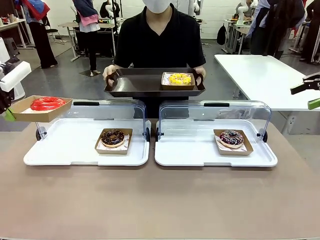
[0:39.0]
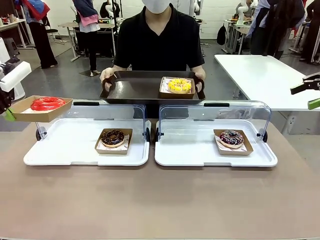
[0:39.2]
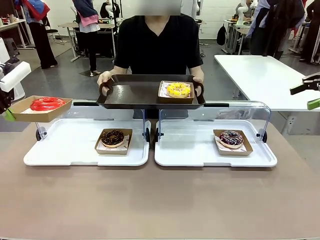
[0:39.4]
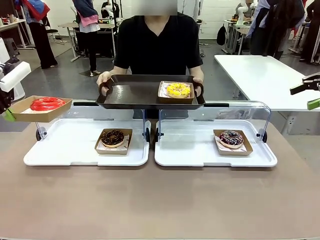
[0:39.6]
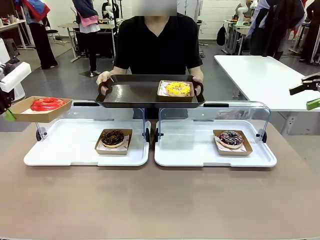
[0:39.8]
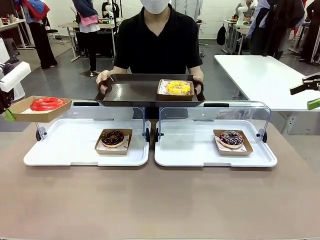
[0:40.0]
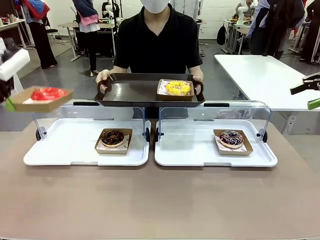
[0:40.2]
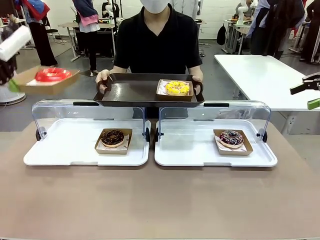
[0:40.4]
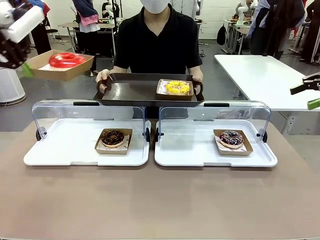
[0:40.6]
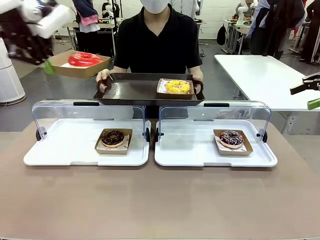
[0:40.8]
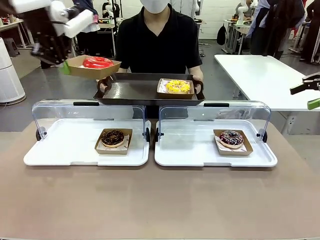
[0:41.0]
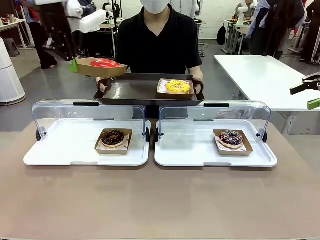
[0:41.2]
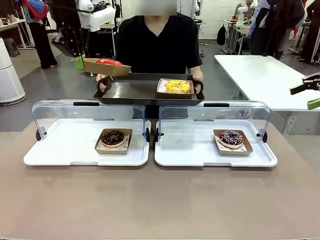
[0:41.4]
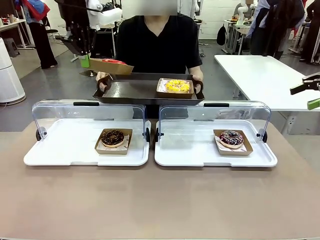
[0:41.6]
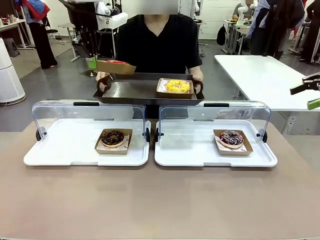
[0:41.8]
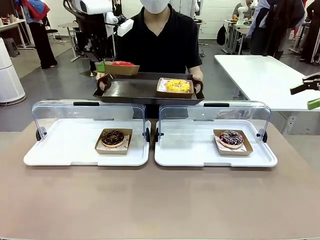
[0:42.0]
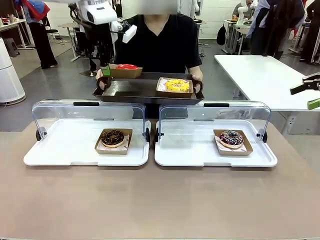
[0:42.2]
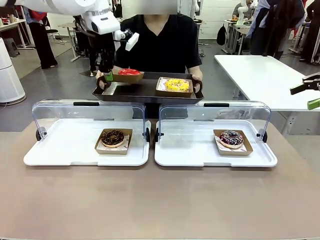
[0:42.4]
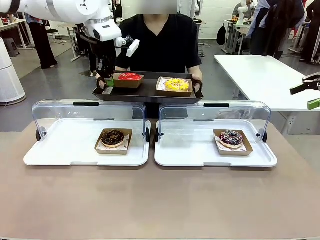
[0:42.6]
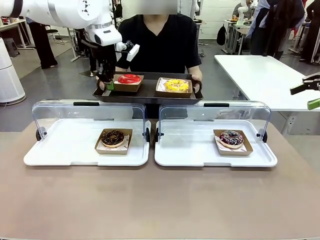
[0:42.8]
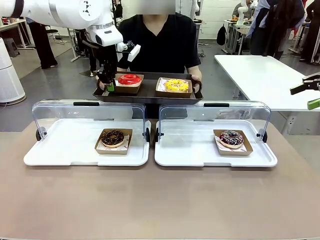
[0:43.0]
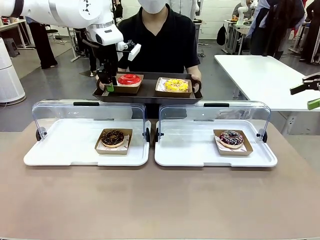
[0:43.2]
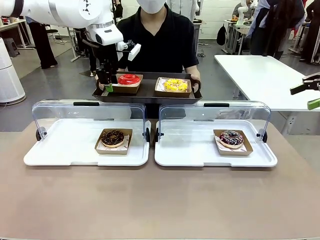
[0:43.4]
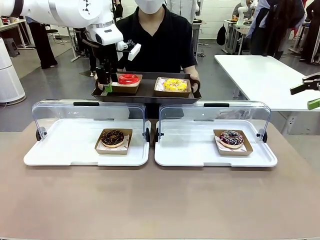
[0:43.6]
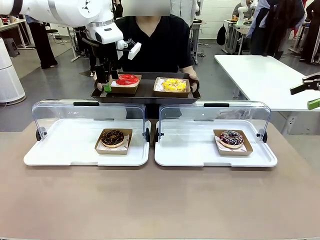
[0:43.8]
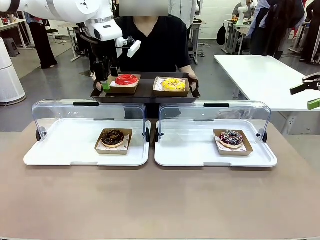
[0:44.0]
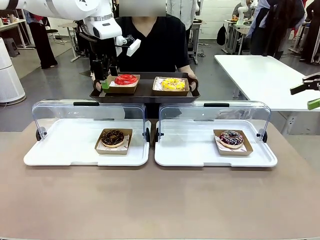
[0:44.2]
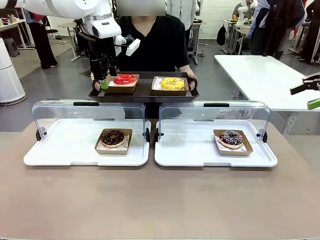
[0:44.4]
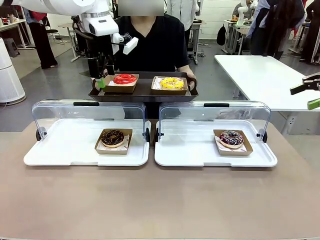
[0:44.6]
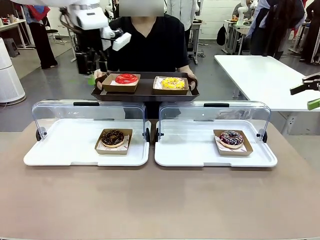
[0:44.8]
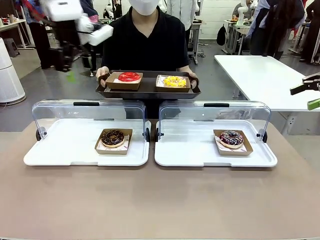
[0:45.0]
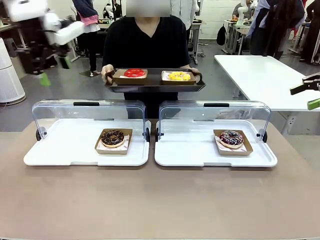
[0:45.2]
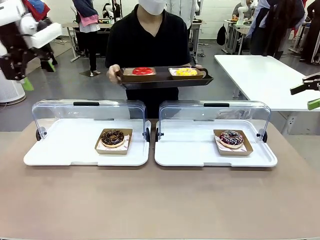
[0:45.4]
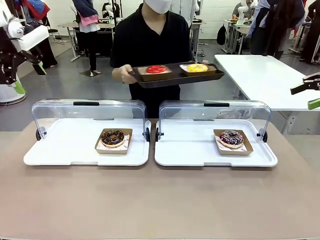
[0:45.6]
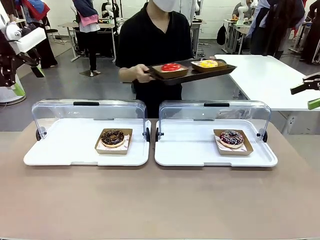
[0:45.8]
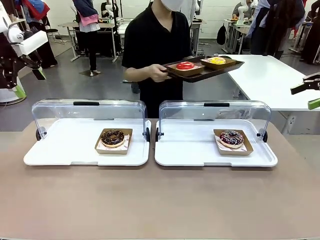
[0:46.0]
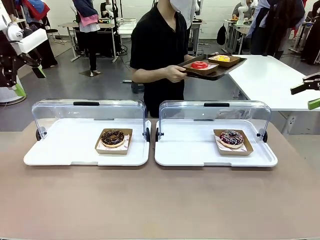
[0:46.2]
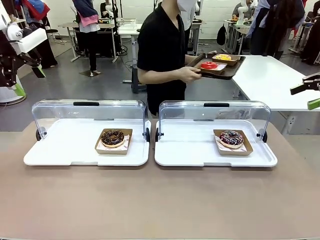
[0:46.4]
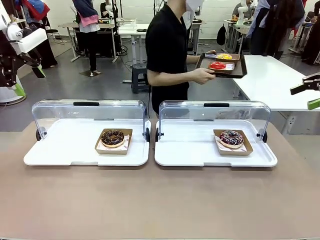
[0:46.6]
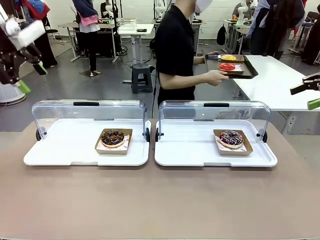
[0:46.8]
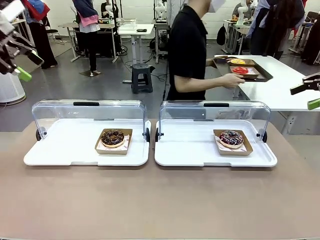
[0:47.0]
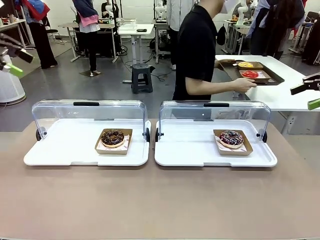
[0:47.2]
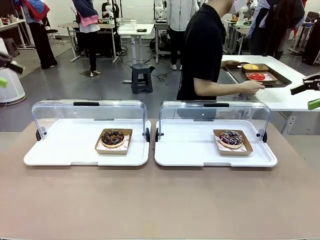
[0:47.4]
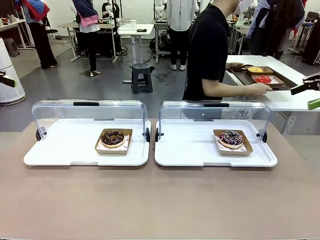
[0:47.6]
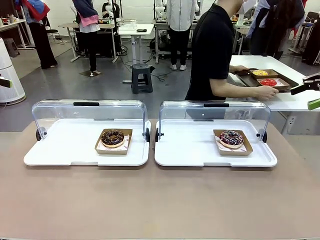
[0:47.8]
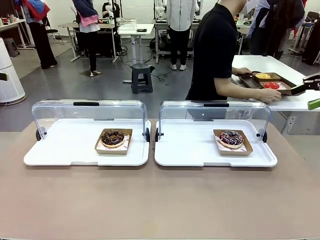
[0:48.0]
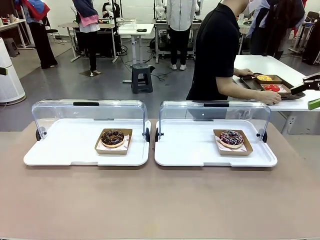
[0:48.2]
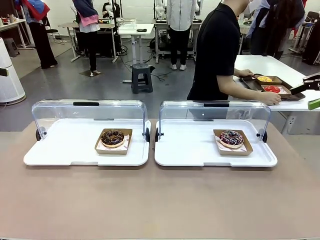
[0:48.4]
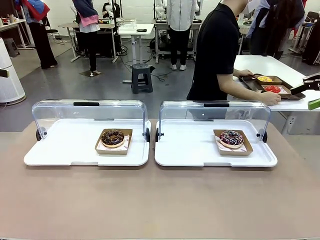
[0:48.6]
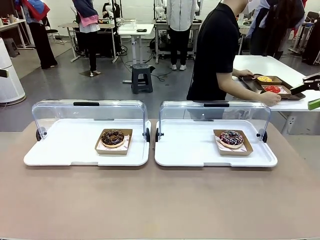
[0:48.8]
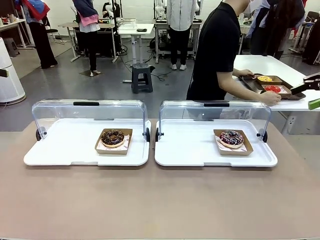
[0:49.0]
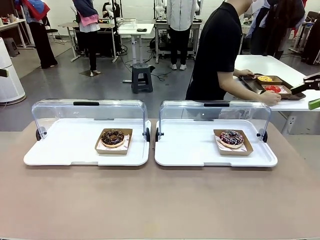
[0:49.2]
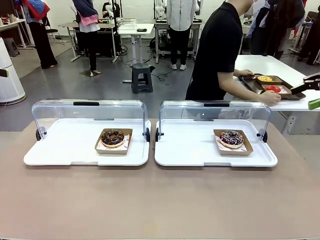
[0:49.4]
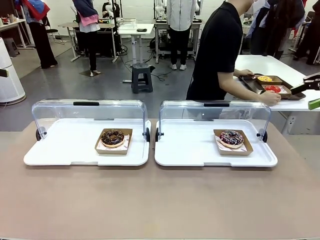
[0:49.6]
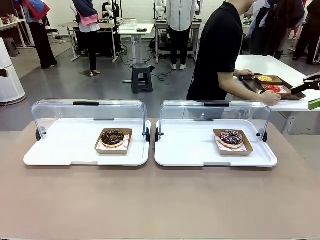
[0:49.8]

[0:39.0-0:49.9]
Task: Provide the desired donut to the person.
Robot: Place the picked Paper togo box onto the Handle tray extended by the person.
Person: Place the tray in the middle of the human table.

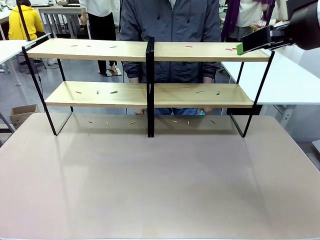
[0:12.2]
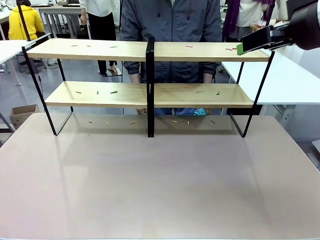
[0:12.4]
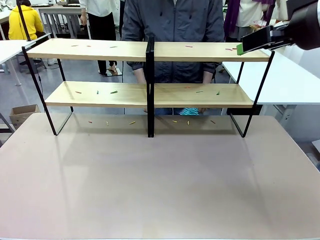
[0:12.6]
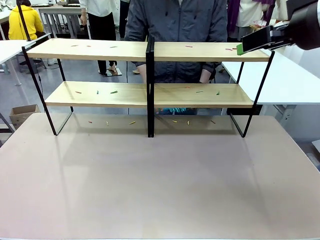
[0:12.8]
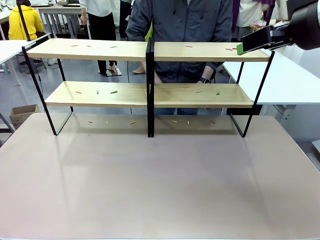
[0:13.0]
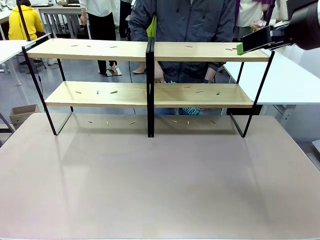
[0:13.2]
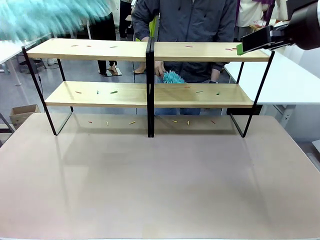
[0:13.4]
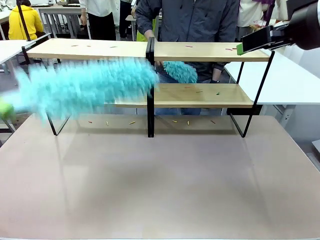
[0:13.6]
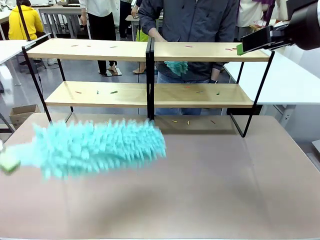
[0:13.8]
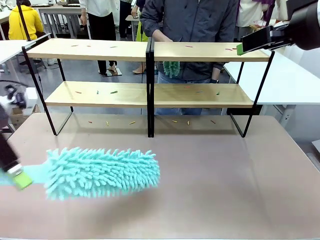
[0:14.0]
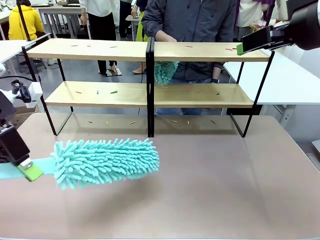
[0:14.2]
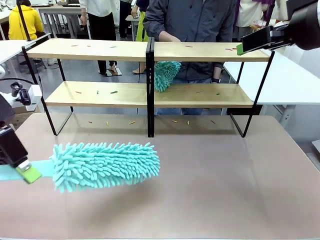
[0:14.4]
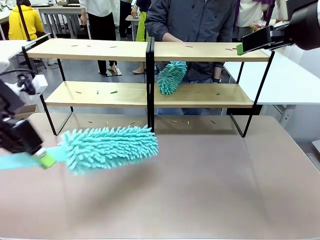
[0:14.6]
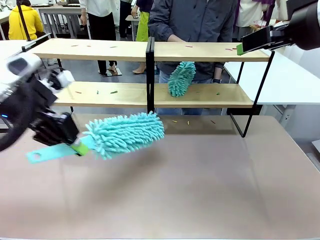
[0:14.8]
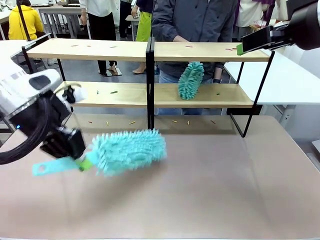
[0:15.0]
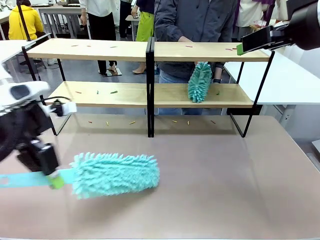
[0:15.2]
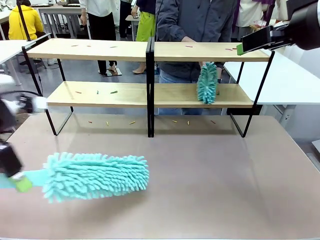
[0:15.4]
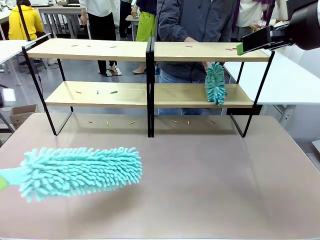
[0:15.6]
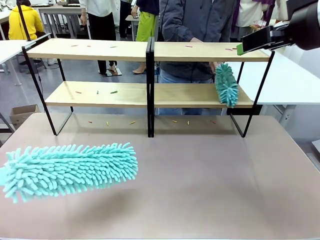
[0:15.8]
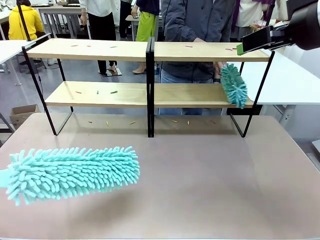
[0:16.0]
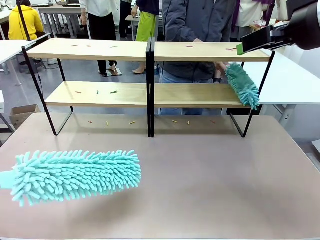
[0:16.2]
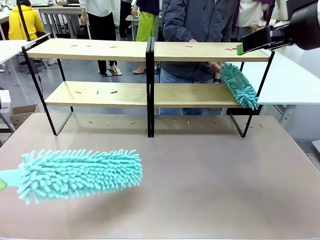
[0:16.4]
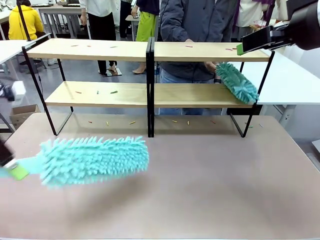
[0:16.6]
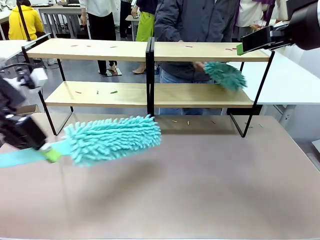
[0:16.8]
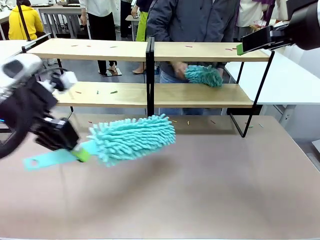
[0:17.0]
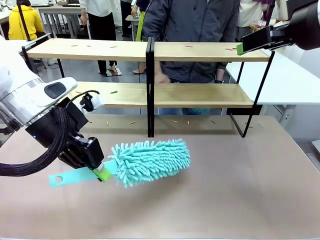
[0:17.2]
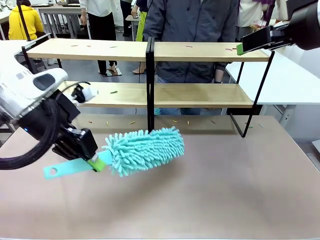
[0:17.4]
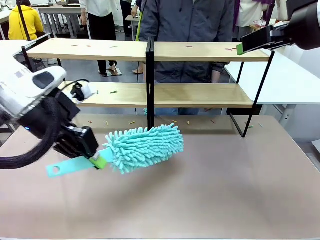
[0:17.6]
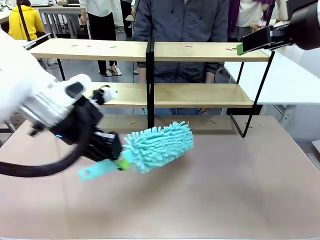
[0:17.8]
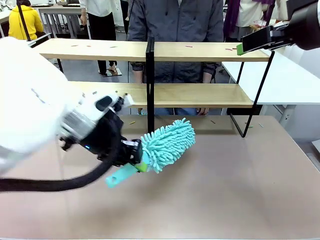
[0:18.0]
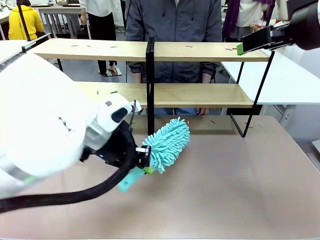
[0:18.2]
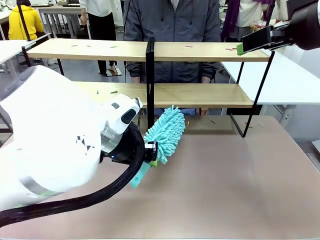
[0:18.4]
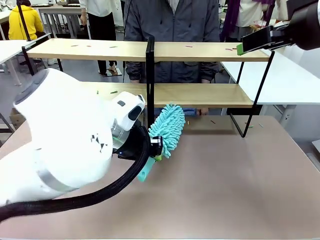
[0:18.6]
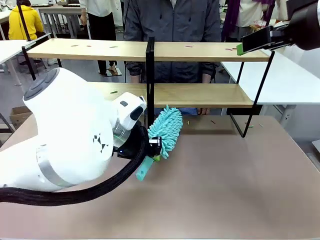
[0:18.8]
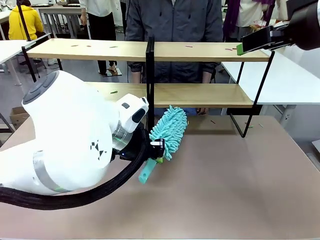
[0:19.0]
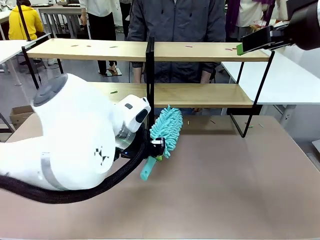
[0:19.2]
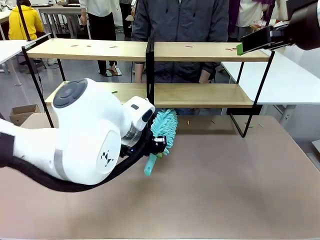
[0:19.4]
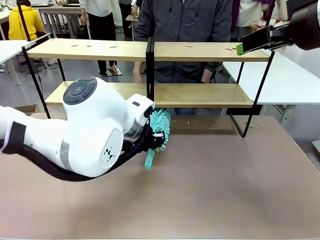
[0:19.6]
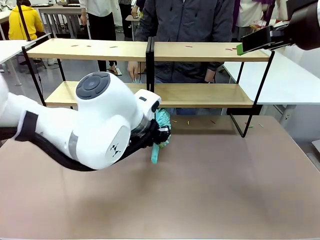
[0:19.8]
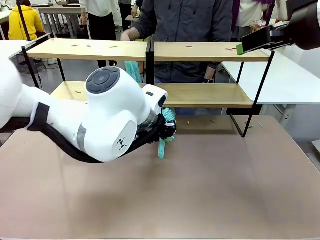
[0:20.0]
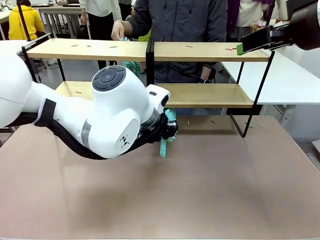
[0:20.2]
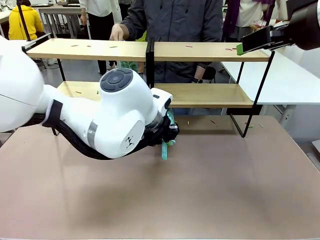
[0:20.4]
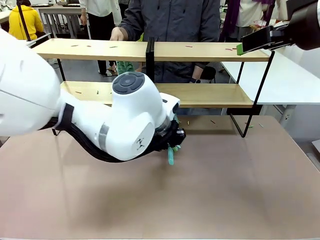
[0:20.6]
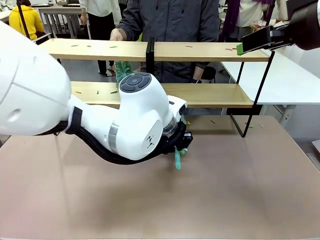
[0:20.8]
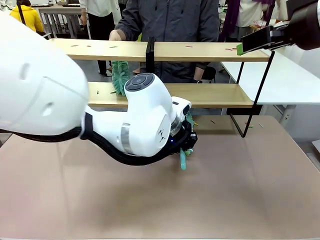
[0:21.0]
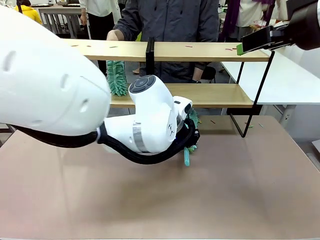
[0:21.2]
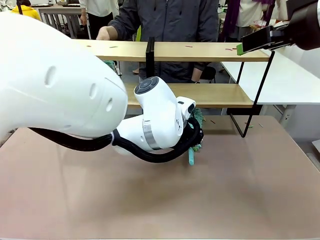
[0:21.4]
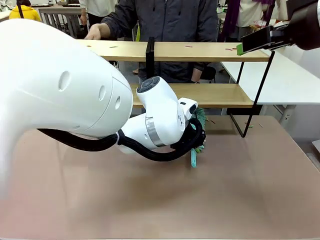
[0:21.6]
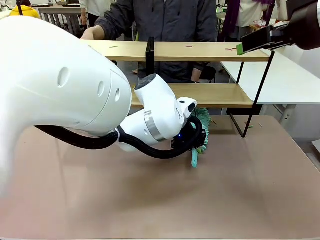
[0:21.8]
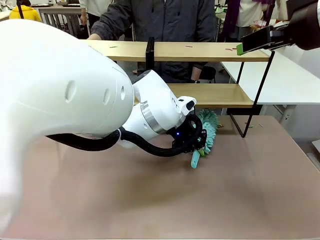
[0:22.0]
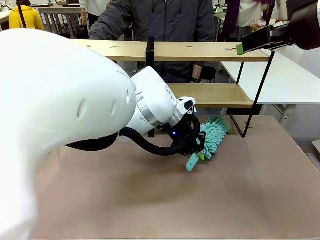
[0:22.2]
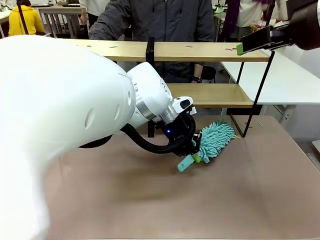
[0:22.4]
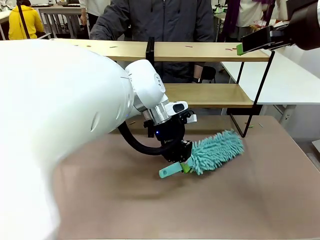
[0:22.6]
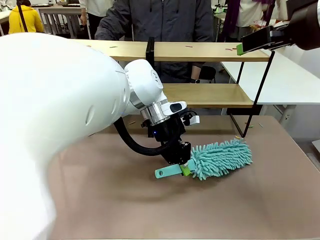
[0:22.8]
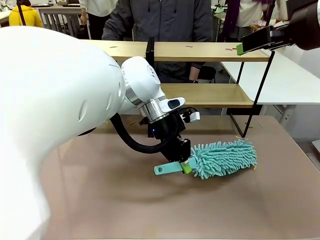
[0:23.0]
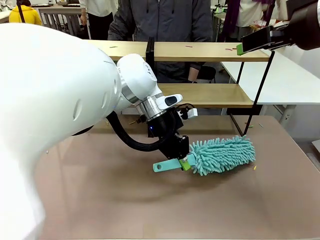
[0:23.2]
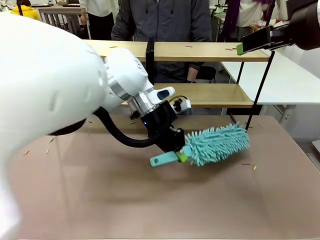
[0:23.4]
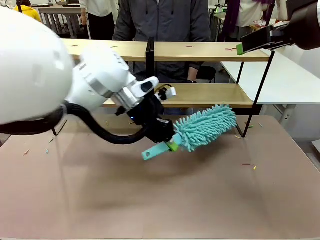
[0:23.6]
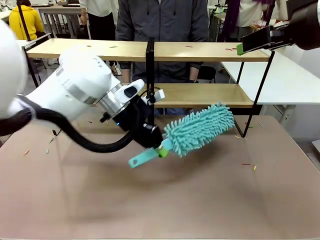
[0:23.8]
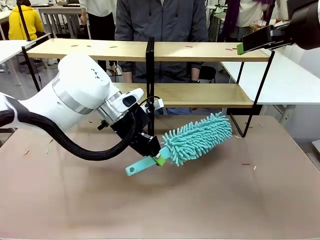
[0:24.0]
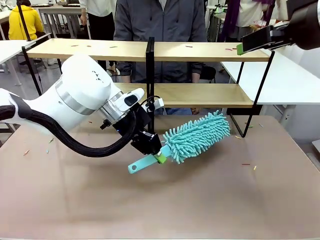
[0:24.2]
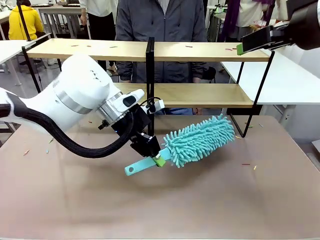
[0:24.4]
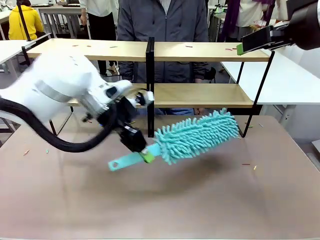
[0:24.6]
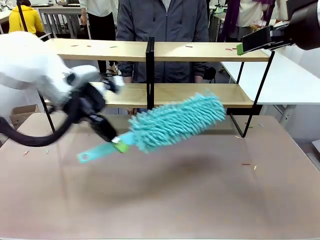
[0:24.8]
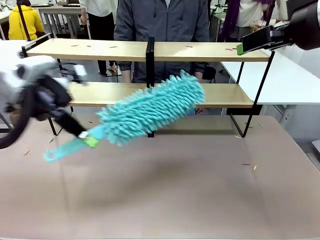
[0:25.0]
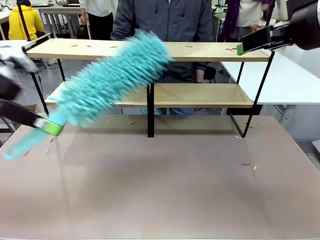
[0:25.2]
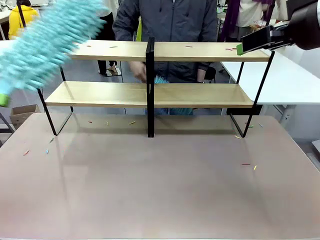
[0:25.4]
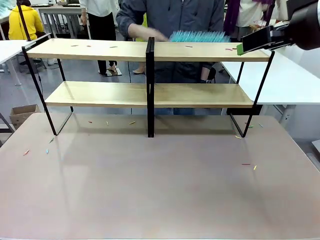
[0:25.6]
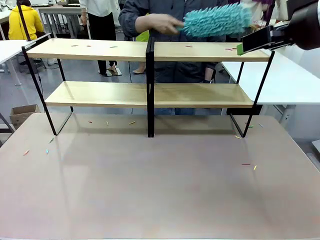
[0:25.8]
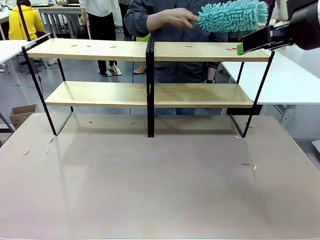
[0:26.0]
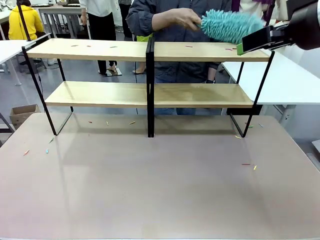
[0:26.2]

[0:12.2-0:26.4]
Task: Clean the shelves.
Robot: Clean a randomly selected level of the Shelf with the Duster.
